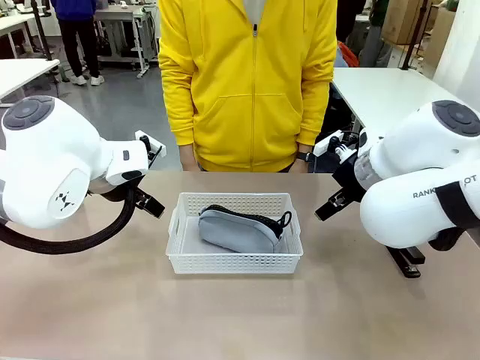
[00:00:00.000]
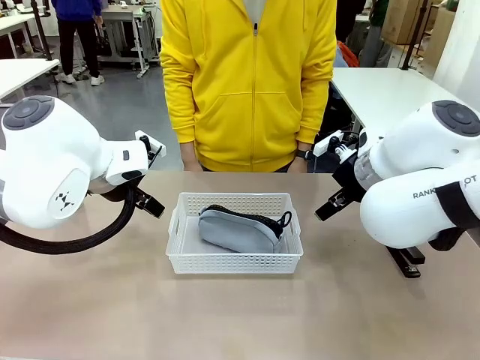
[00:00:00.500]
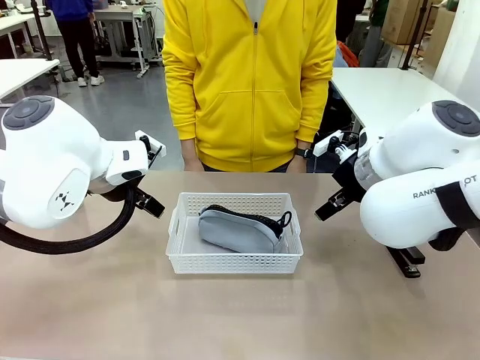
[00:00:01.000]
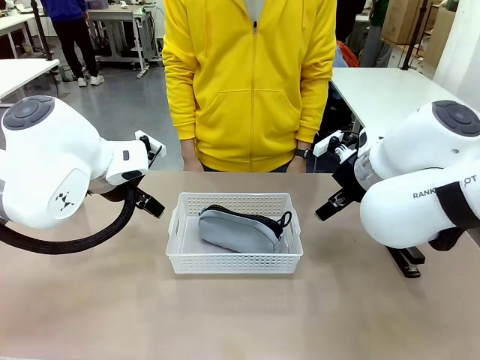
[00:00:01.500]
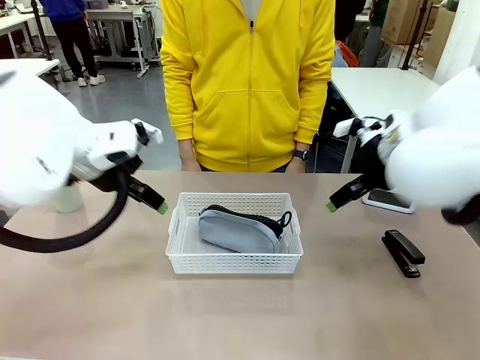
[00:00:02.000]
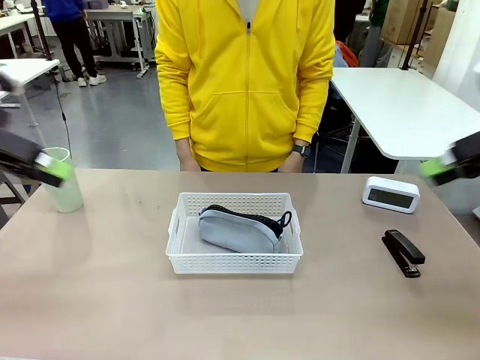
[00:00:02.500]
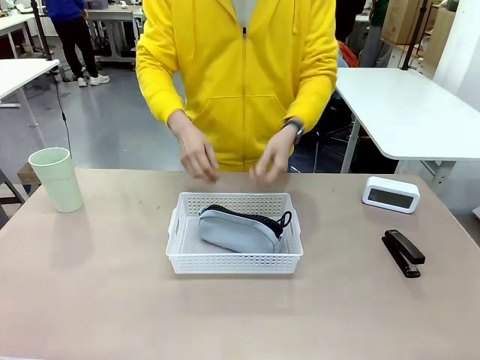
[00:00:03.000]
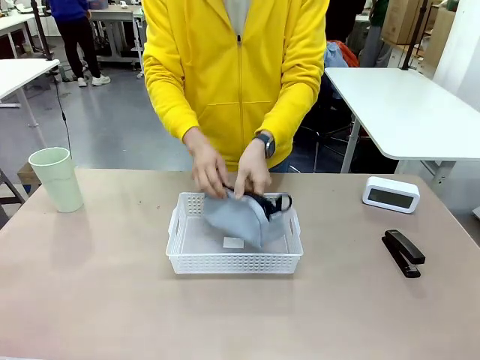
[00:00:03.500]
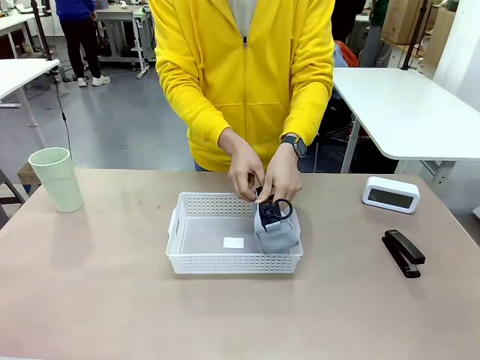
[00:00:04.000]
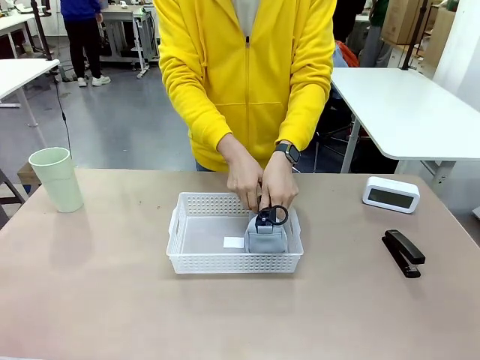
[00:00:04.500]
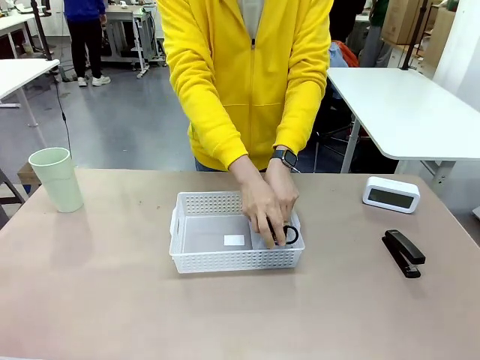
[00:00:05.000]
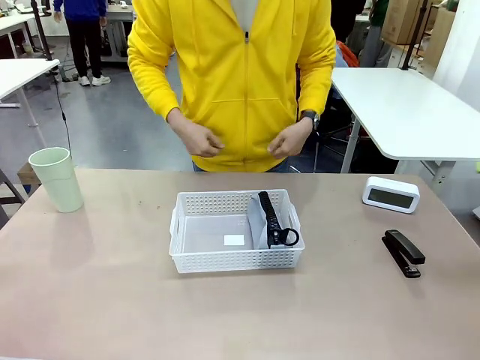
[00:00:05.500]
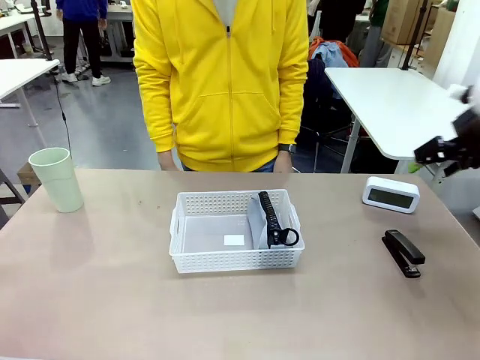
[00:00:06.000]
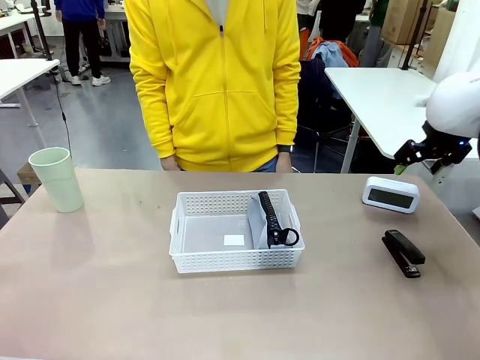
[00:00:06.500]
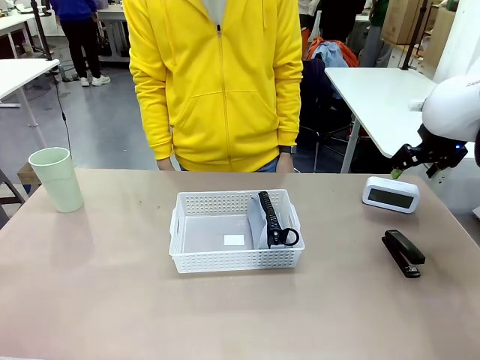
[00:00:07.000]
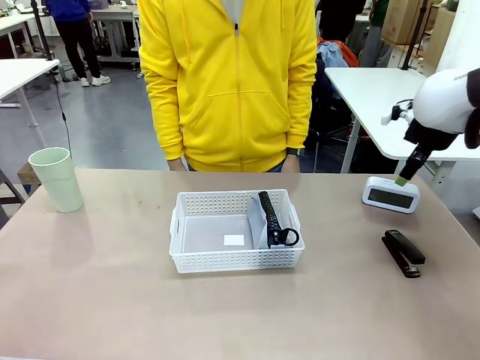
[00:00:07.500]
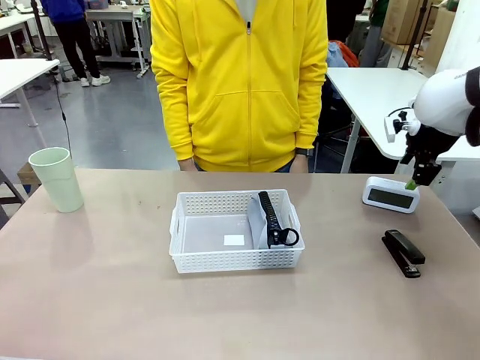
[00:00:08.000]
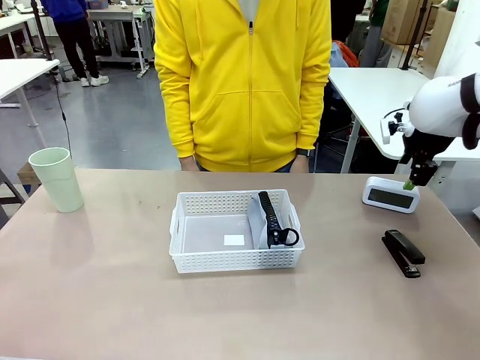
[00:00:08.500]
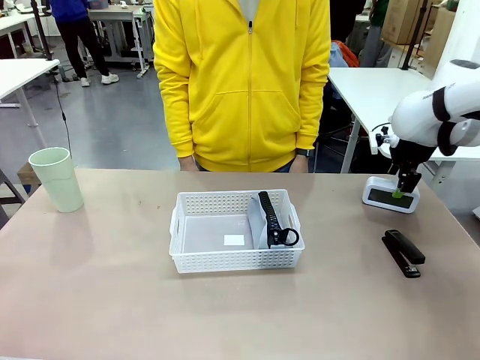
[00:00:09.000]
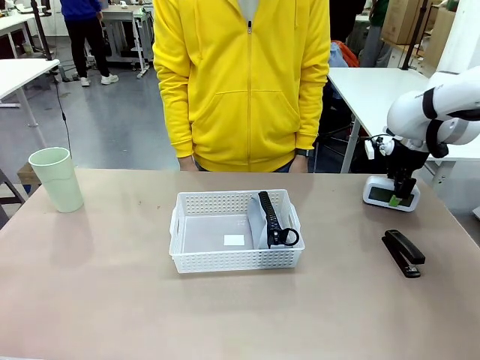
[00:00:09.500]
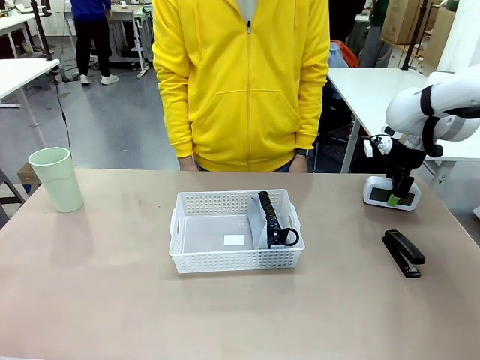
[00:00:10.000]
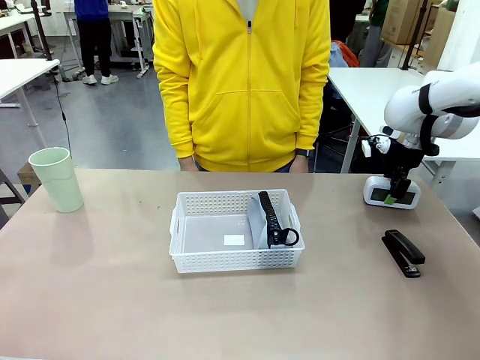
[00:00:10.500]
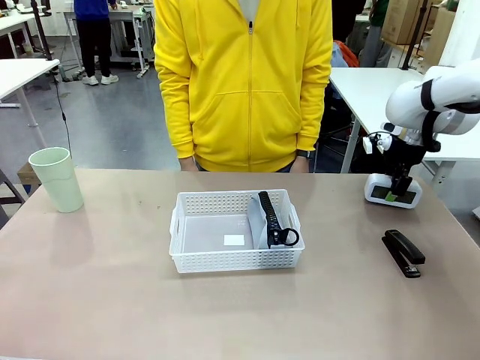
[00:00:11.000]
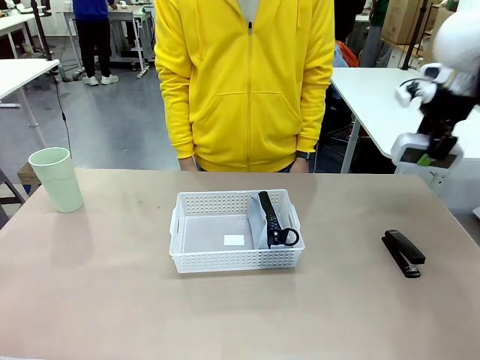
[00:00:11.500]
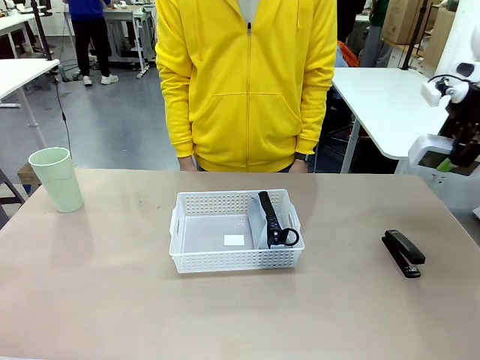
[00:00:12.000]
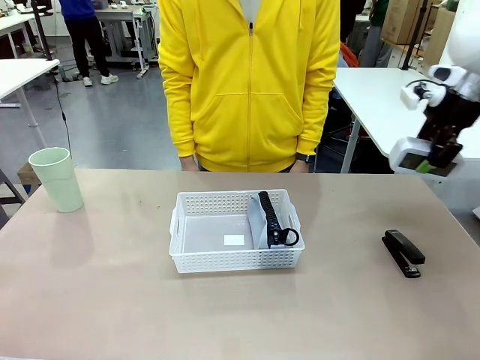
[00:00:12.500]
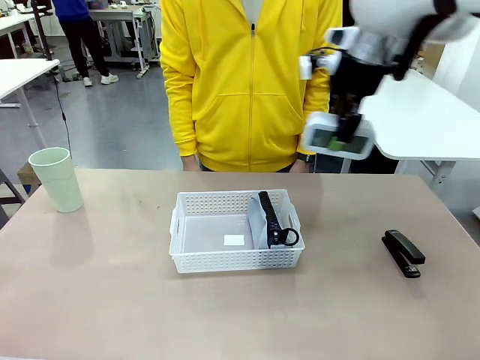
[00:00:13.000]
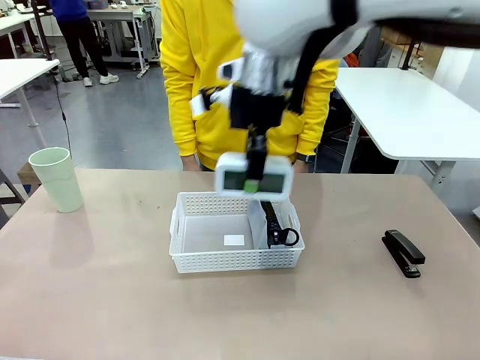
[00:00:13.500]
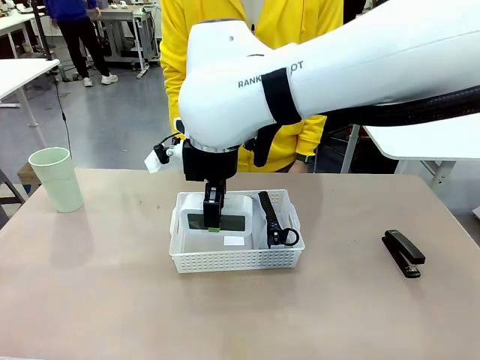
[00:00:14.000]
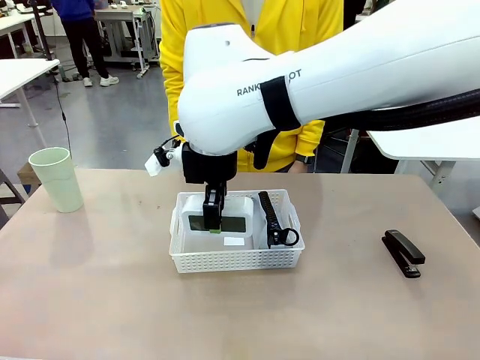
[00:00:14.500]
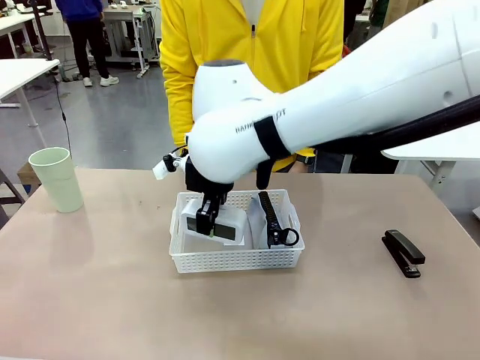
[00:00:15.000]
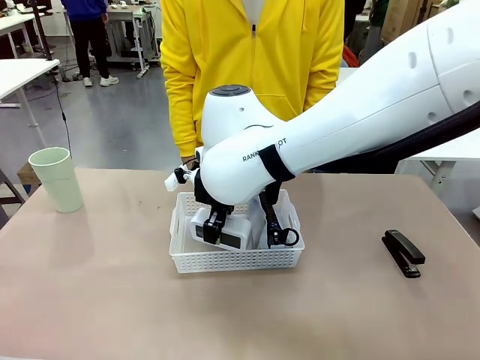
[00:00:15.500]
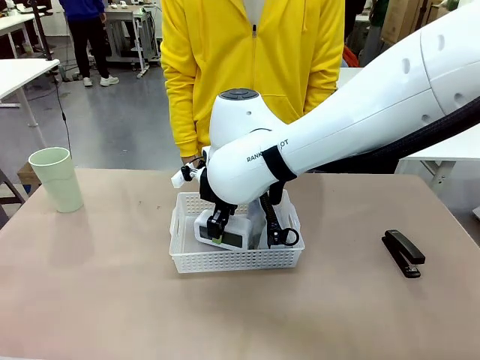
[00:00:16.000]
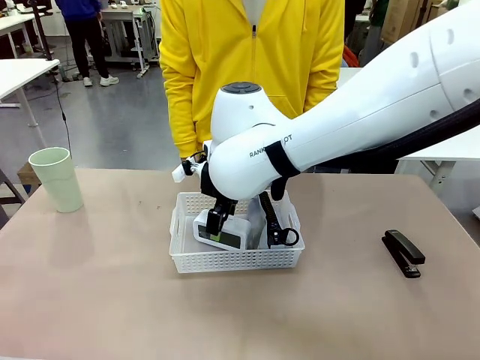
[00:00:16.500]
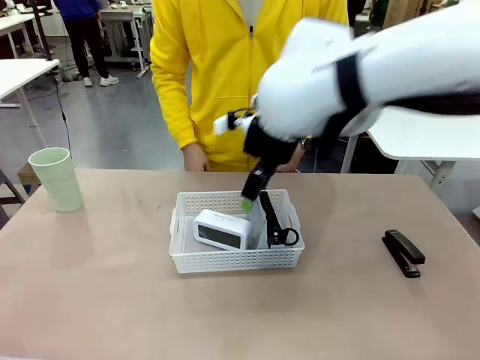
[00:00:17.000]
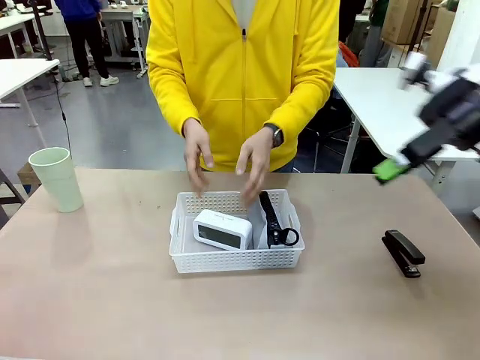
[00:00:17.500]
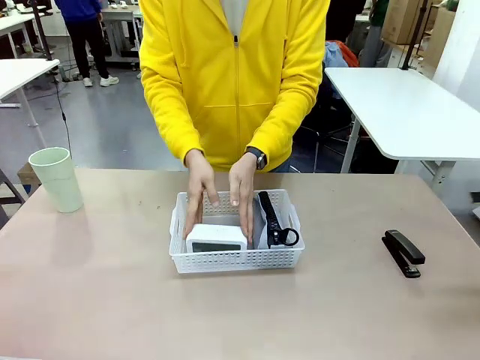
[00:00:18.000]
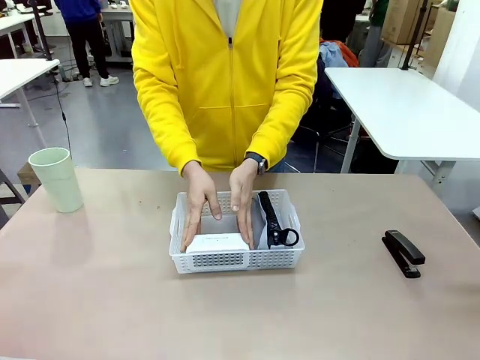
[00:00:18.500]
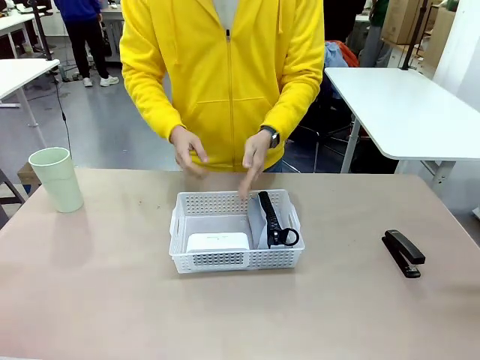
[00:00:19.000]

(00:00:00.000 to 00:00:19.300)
Task: Efficiently arrange items inside the basket to fit them all.
Robot: Pick up the Digital clock and place it inside the Organizing basket.
Person: Repositions the pencil case. Repositions the digital clock.
